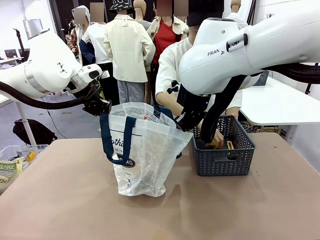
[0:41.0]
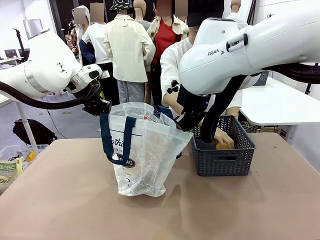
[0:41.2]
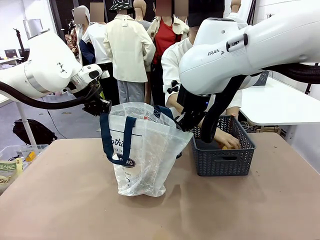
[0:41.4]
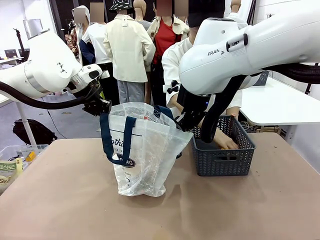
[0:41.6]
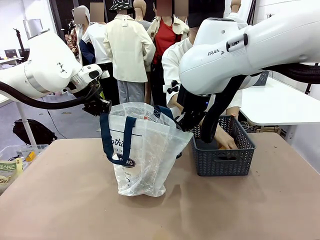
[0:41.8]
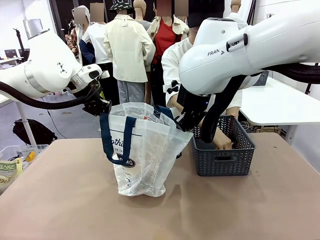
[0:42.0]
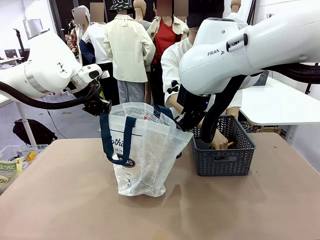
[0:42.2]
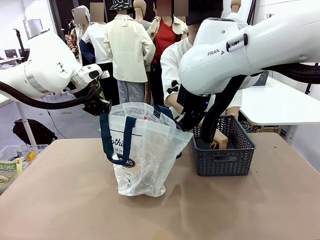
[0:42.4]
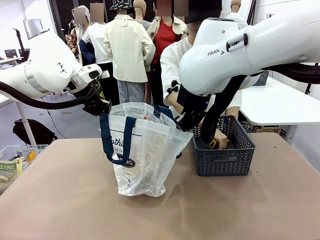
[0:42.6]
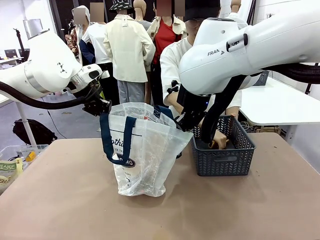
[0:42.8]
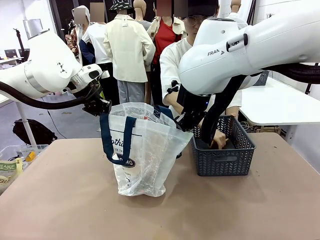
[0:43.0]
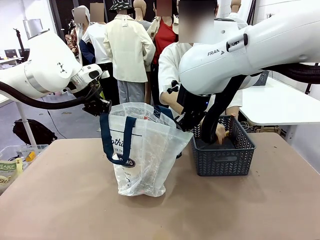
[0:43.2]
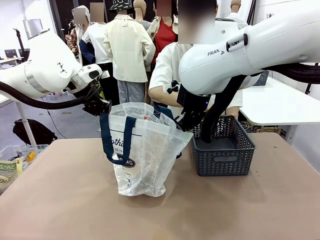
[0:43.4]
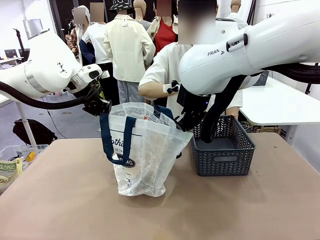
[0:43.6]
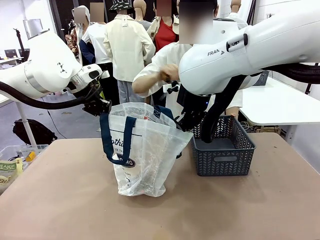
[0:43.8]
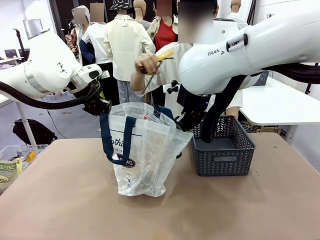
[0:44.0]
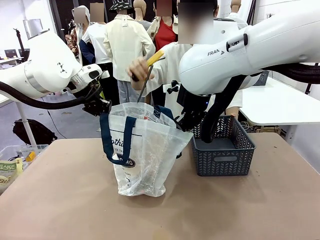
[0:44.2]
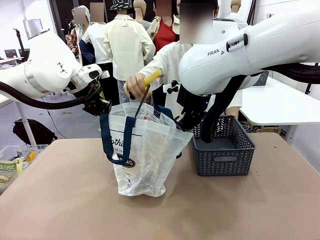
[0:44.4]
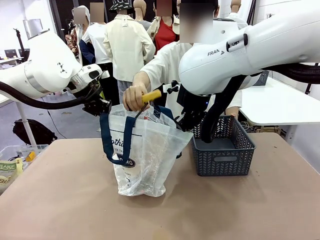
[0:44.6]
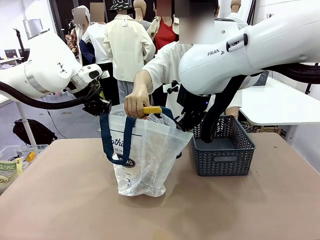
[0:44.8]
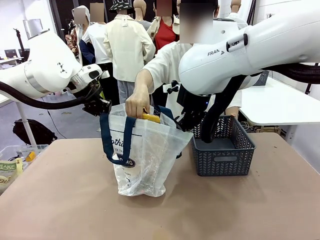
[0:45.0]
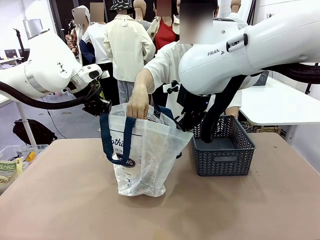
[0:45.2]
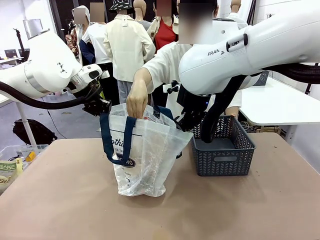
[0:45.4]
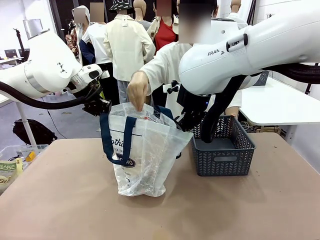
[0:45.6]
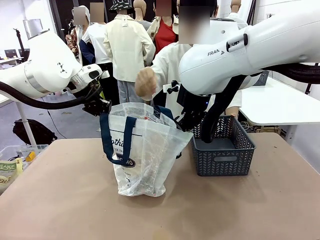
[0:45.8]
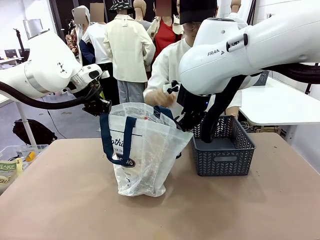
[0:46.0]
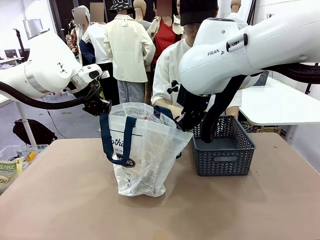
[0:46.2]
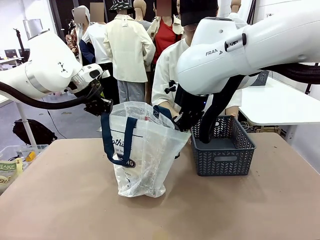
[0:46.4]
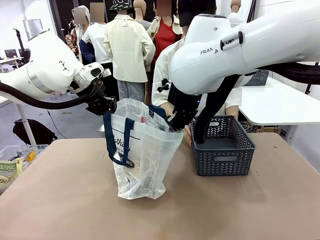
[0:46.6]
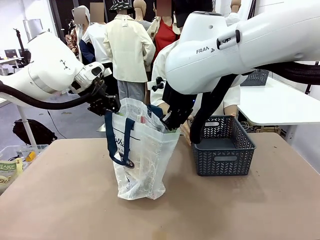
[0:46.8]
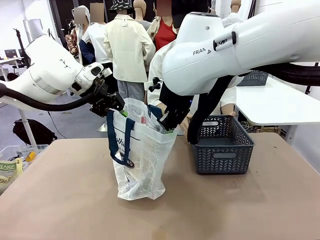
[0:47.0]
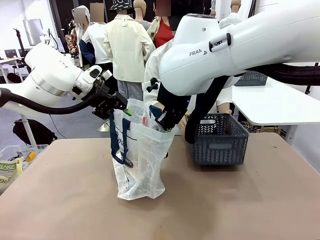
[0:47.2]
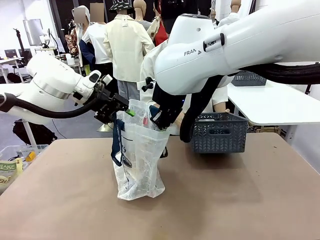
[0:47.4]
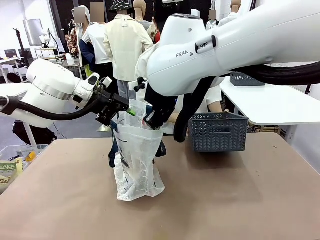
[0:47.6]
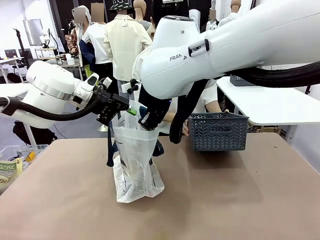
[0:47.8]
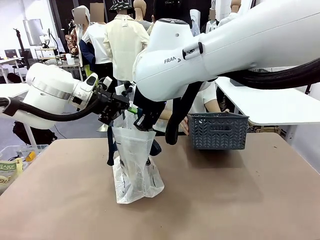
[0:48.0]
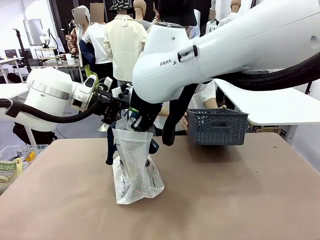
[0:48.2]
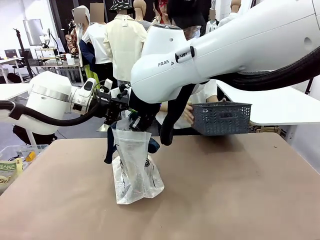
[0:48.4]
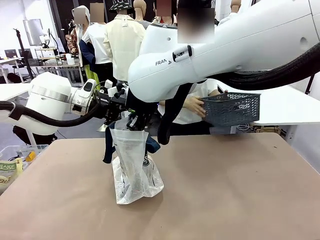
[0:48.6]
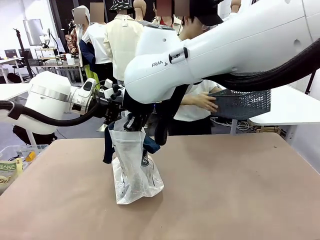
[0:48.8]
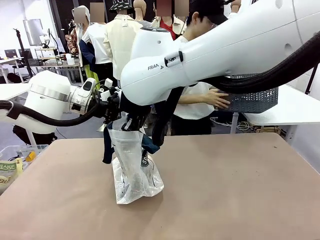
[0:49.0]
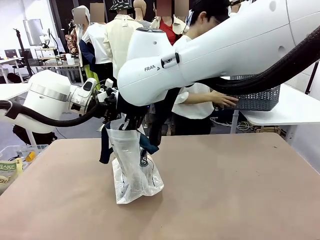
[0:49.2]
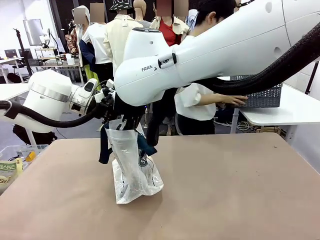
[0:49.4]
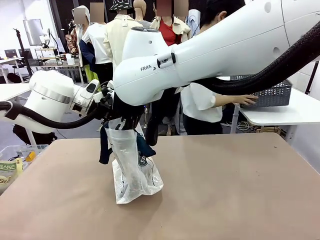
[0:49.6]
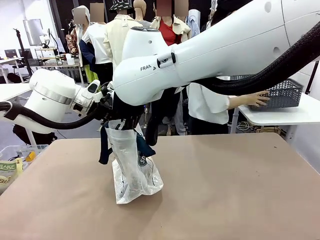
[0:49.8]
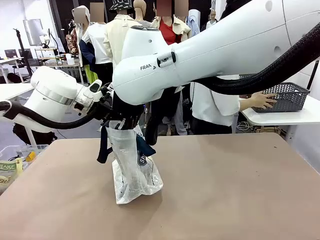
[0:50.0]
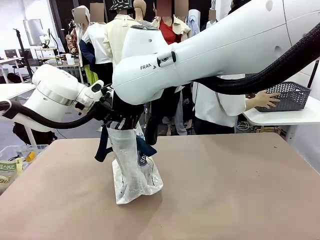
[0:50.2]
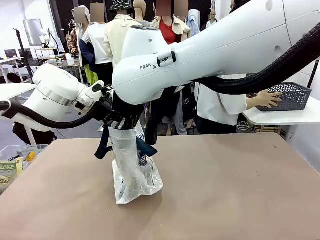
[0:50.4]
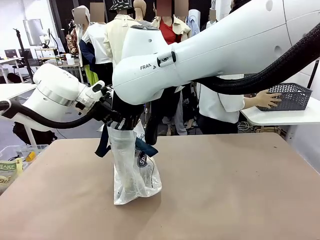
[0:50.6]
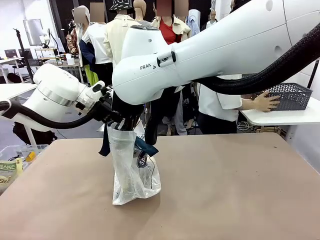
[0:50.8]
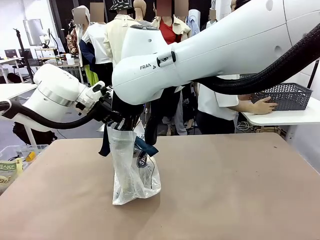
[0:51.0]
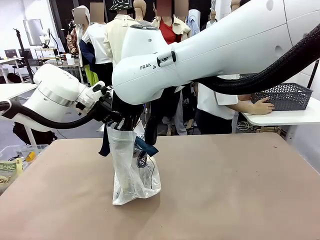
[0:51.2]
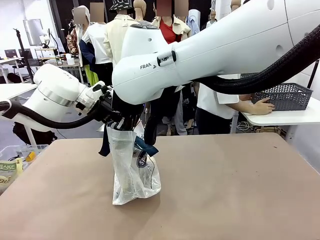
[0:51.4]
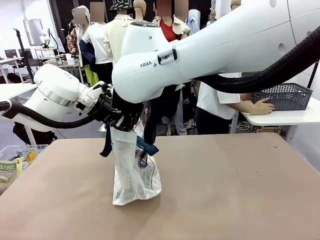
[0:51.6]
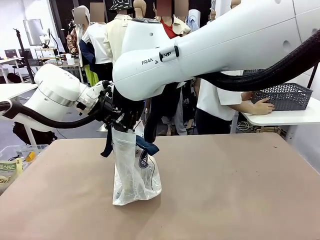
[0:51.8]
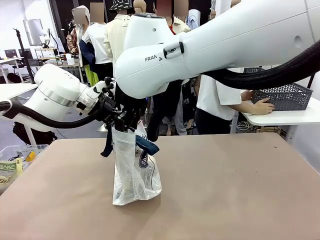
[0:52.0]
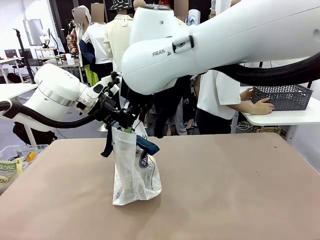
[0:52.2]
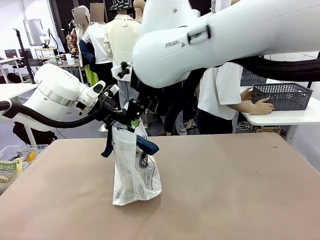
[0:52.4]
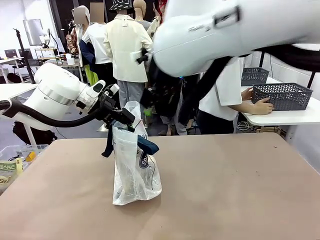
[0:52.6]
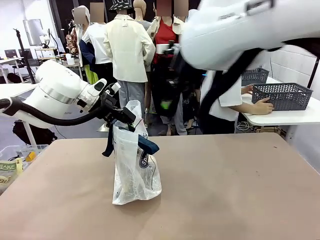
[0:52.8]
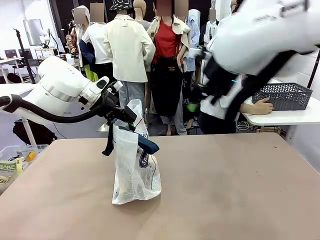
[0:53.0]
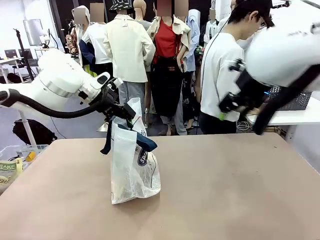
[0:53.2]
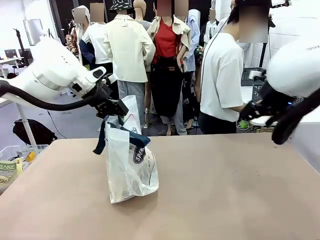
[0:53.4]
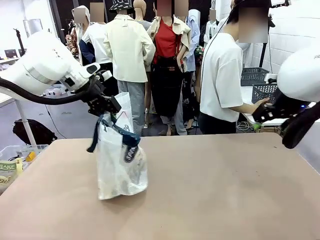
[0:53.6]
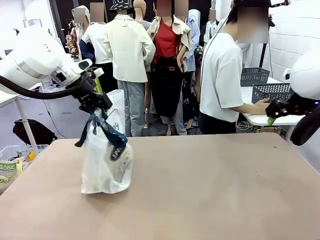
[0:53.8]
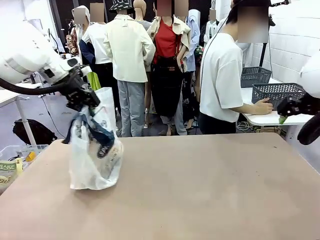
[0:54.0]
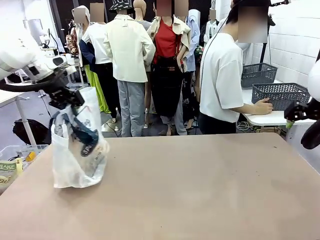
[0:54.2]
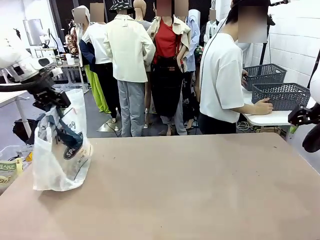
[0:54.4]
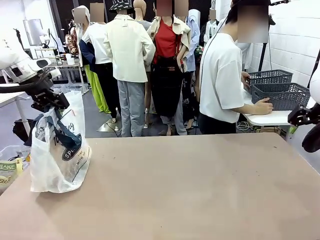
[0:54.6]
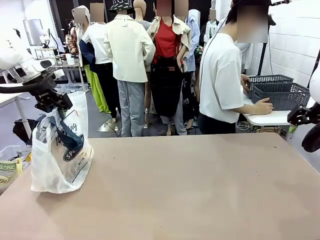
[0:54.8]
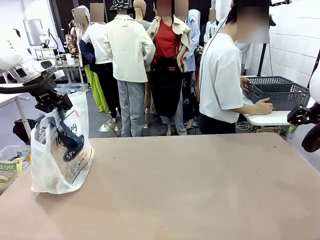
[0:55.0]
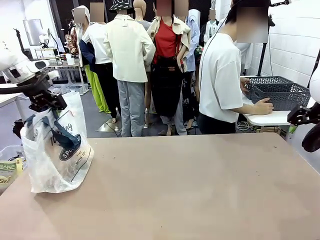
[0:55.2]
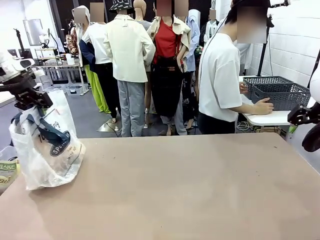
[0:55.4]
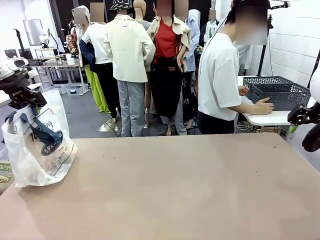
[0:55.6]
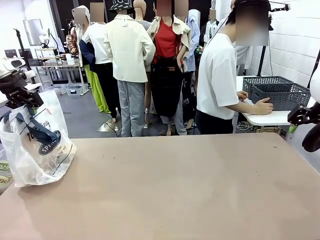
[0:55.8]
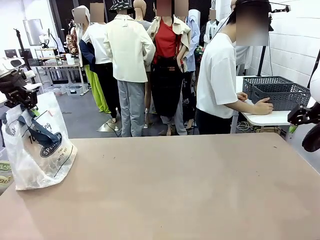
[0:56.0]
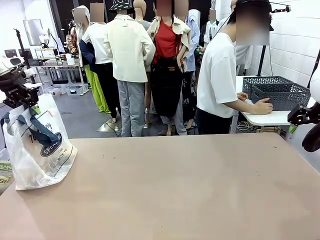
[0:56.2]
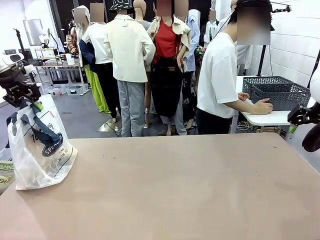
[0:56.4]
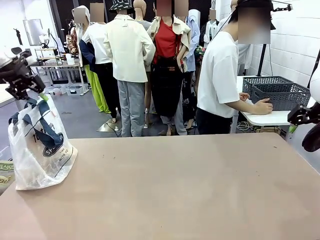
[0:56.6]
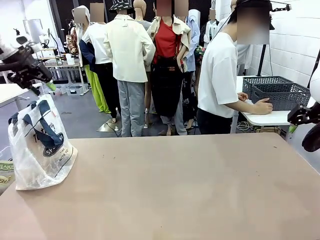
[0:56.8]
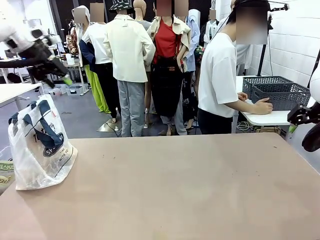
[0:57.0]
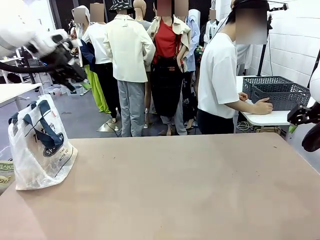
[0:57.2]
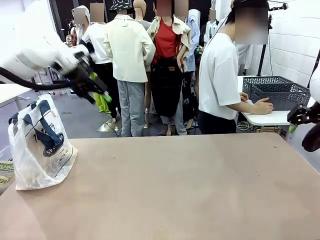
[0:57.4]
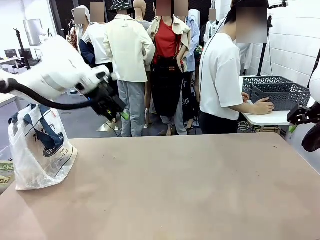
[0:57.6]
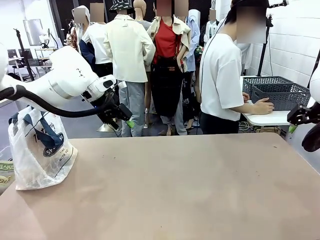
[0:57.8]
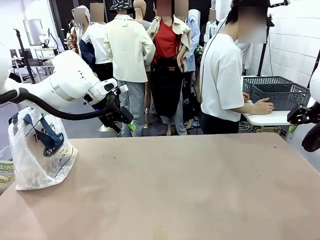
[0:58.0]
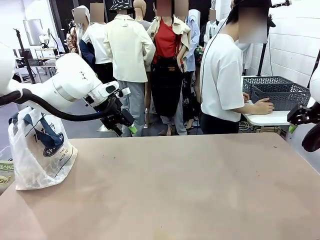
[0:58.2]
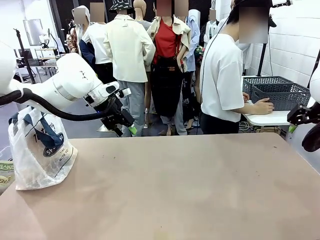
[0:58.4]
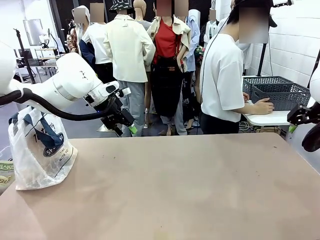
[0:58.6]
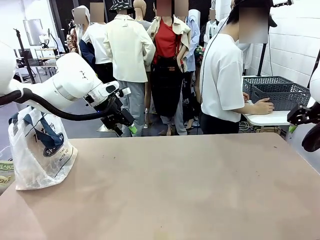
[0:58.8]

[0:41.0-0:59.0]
Task: Transfer purchased items from the store into the shopping bag.
Robot: Move the Reusable shopping bag to the right side of the table.
Person: Move the basket on the left to the middle of the person's table.
